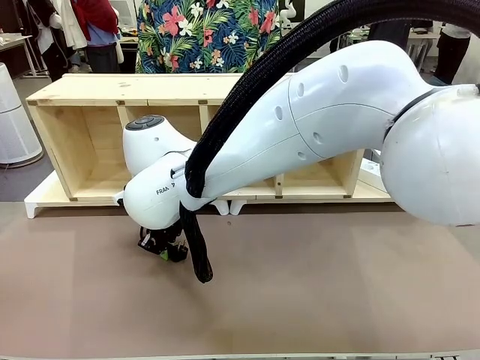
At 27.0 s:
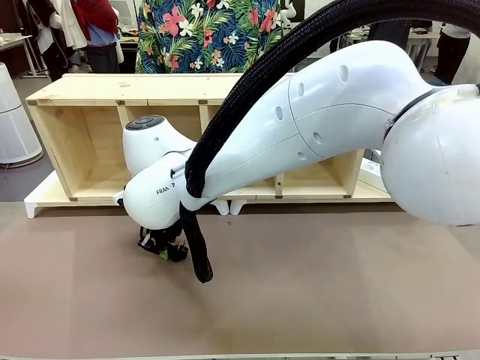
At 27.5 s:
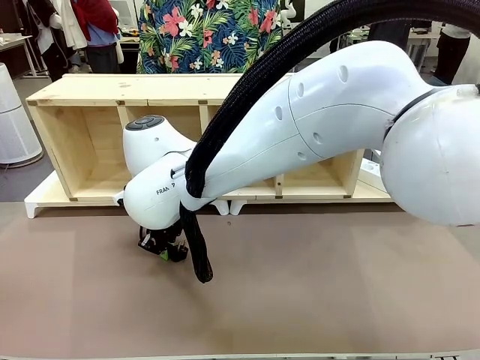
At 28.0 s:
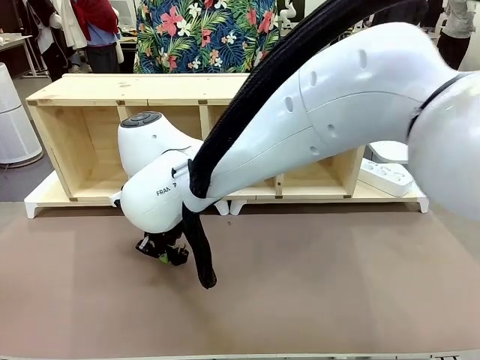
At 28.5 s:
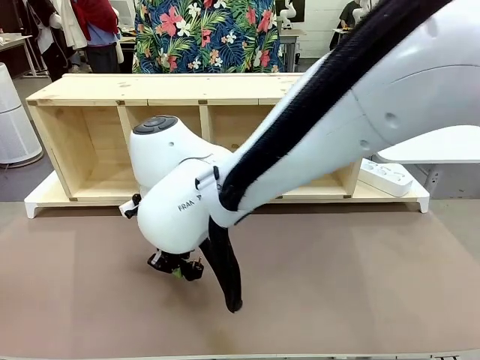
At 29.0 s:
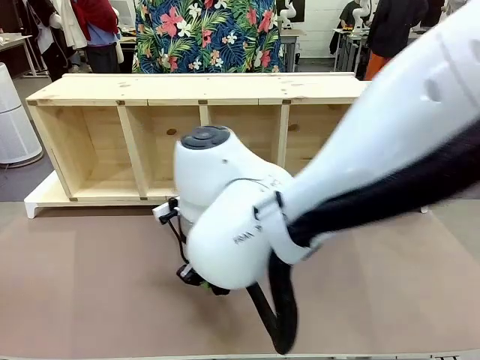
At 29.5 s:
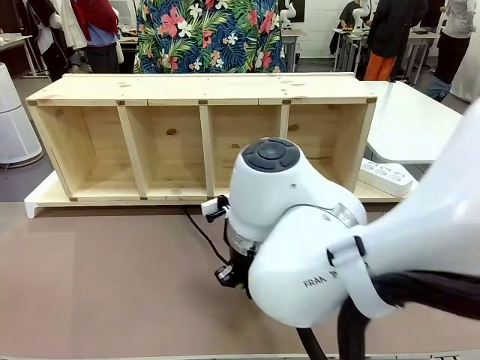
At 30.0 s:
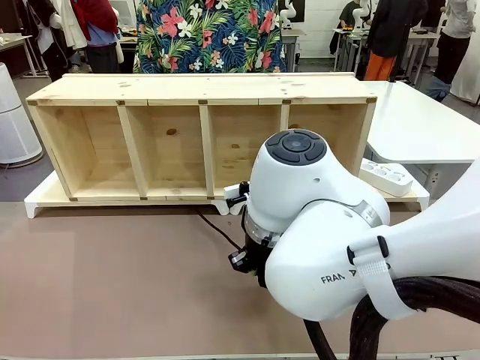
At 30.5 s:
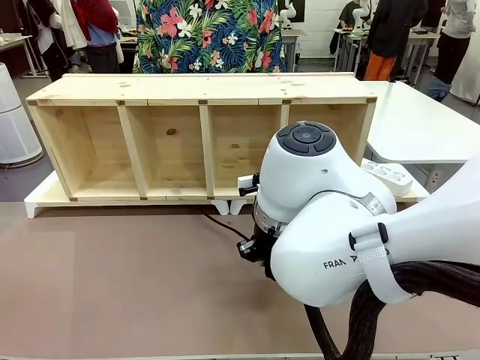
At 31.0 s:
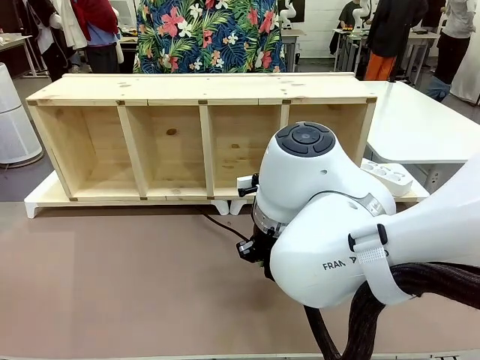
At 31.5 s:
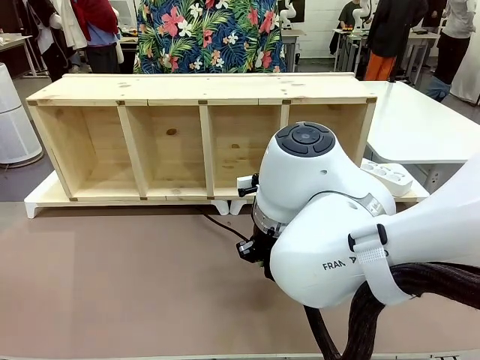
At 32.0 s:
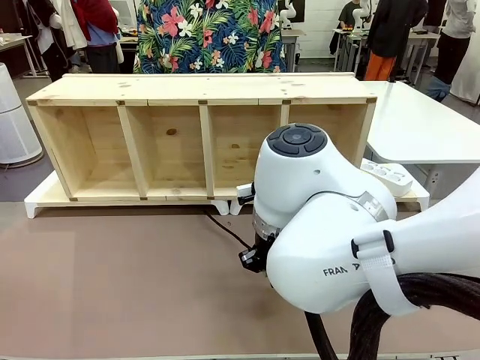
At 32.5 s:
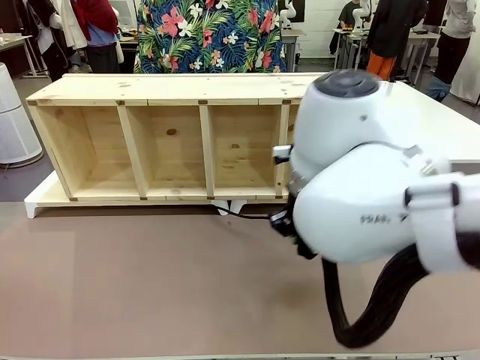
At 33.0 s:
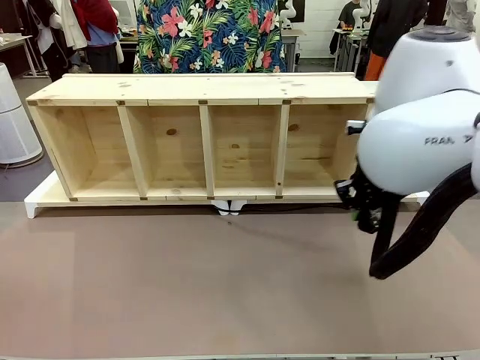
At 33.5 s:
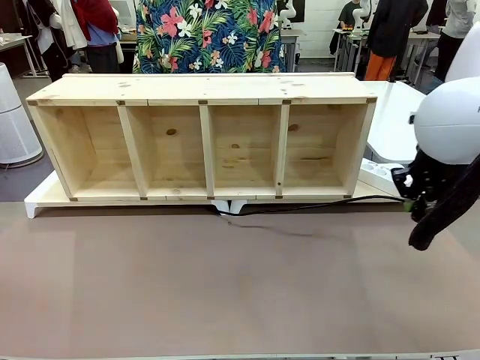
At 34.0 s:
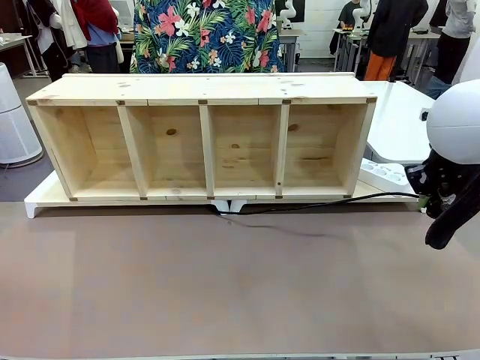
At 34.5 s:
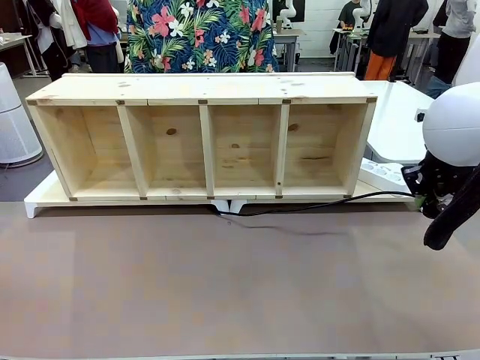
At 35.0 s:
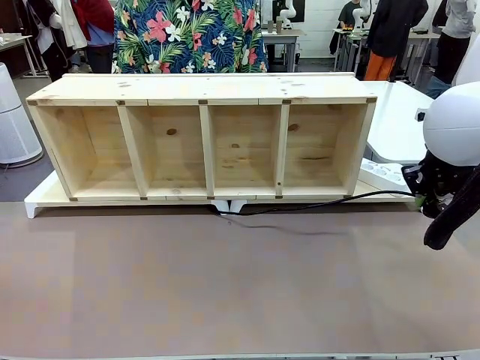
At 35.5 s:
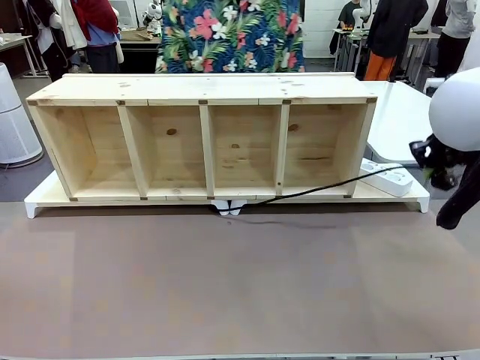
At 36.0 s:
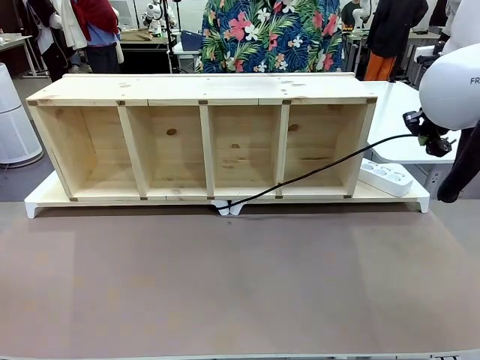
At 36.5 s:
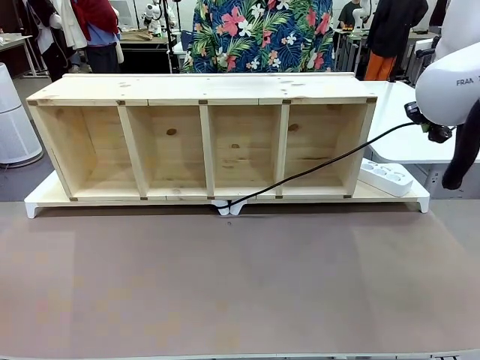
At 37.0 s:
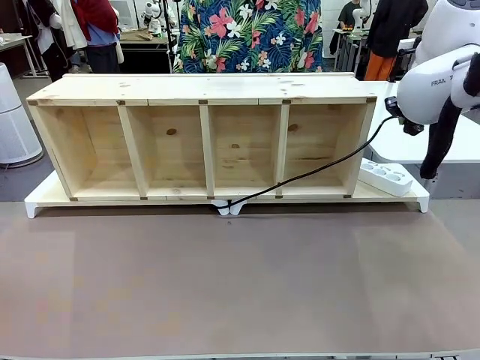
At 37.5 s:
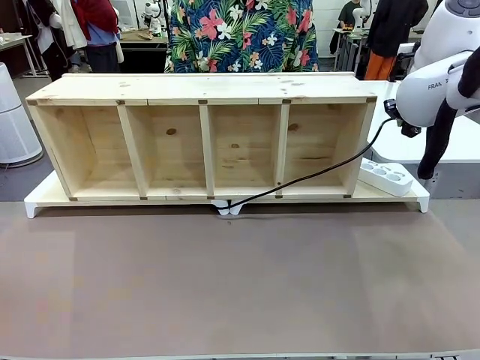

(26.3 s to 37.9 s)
Task: Perform cable management.
Robot: Pull the grasped Power Cable to the location of the Power Strip.

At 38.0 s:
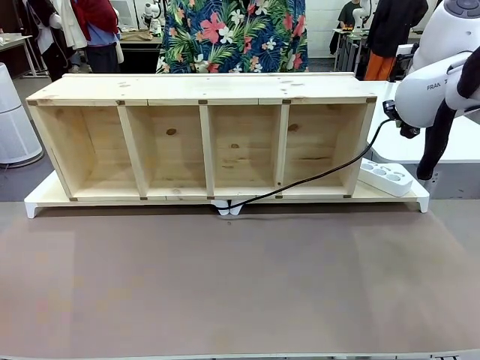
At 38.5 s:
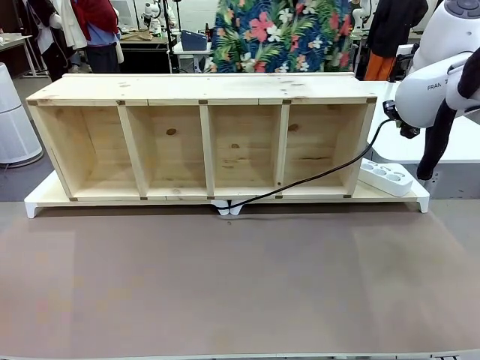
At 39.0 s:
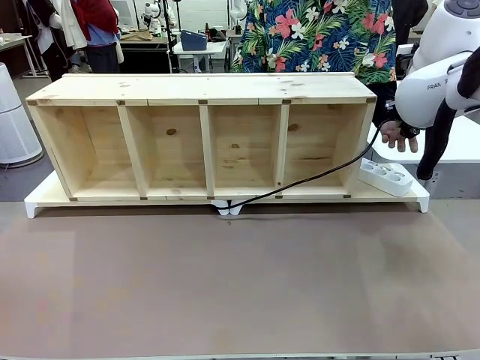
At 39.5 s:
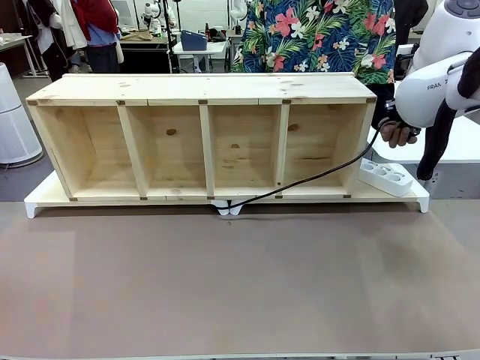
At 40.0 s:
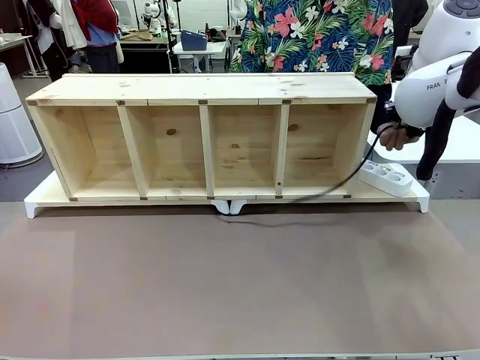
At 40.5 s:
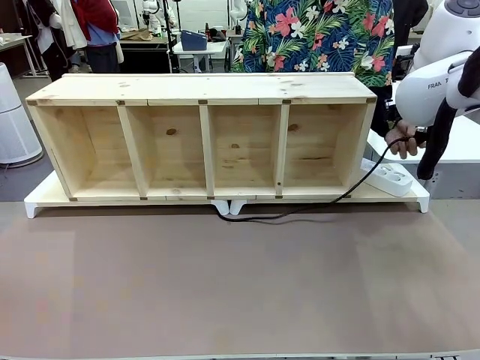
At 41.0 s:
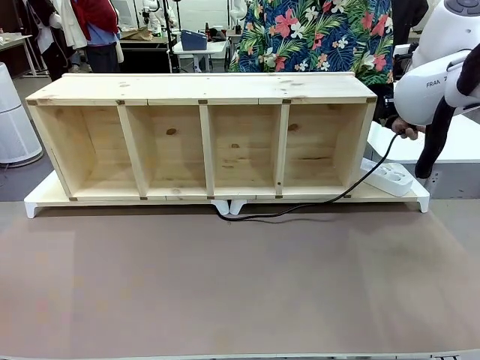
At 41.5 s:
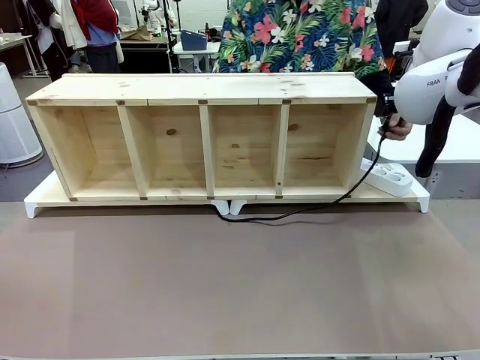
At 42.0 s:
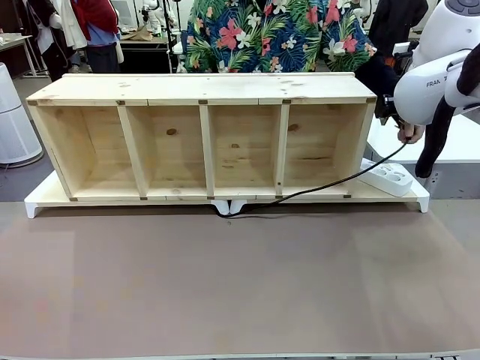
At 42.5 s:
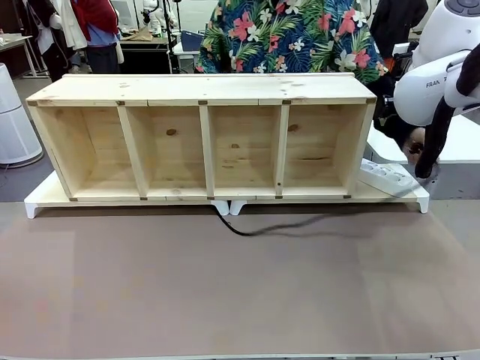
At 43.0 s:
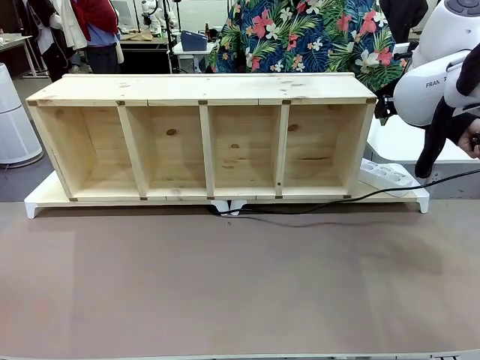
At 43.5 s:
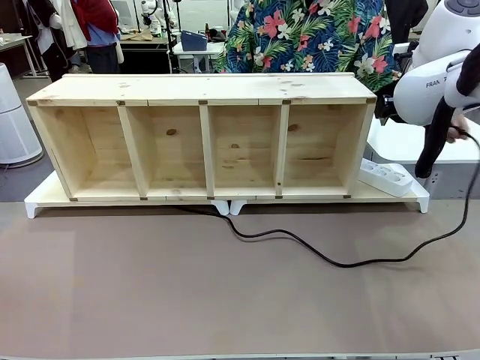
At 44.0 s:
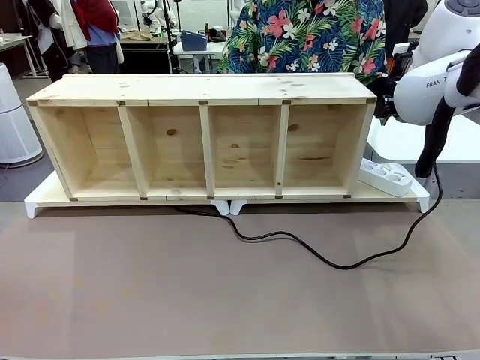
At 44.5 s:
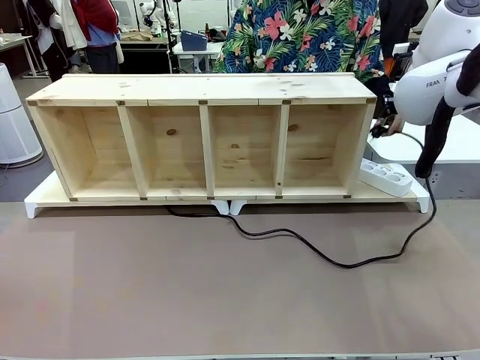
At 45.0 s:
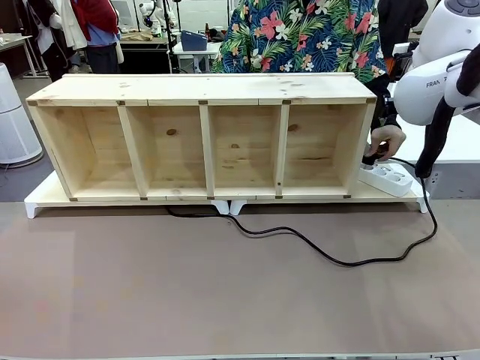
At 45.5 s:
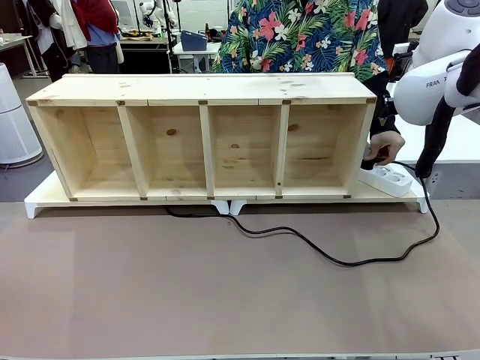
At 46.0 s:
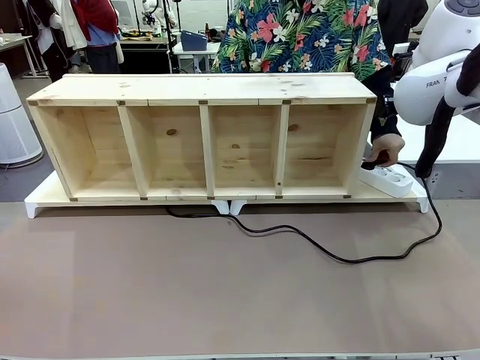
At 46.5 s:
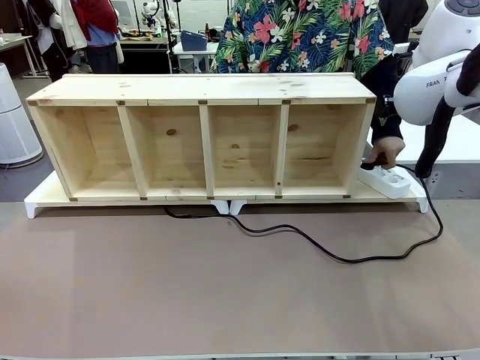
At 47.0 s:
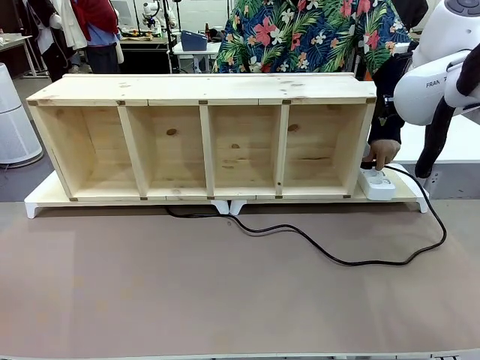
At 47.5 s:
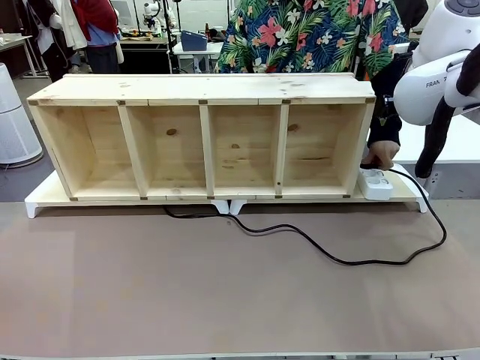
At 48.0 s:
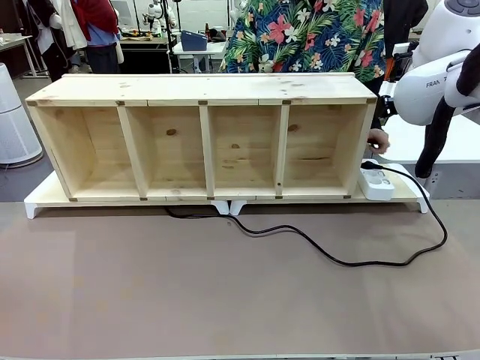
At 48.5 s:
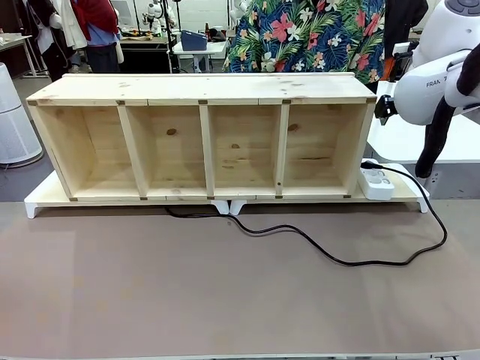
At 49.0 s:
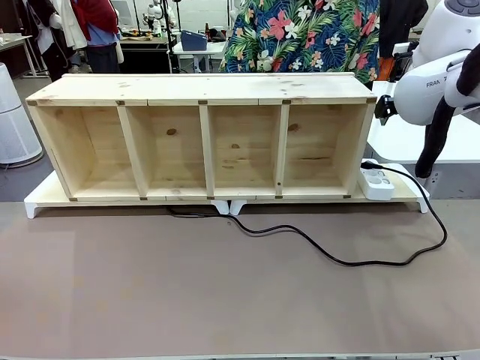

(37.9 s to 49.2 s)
Robot: Release the Power Cable when the human grasps it.
Person: Plug the Power Cable into the Power Strip.
